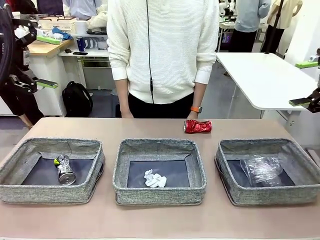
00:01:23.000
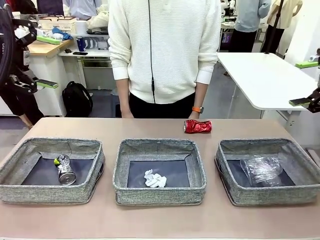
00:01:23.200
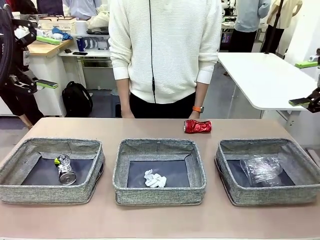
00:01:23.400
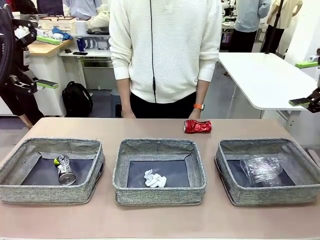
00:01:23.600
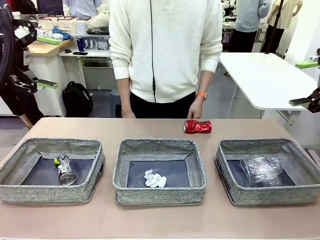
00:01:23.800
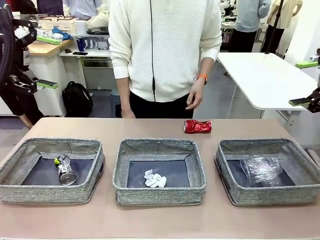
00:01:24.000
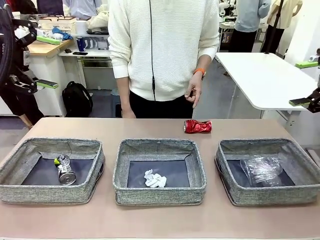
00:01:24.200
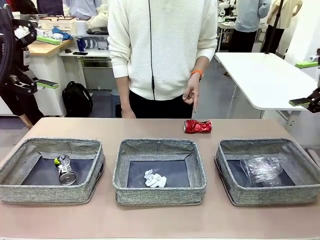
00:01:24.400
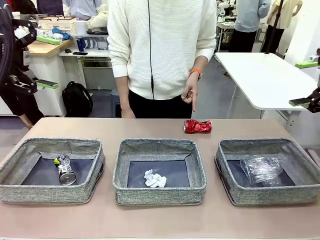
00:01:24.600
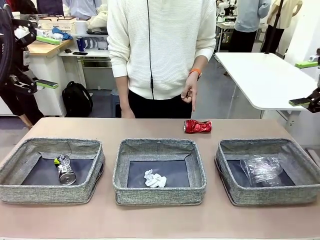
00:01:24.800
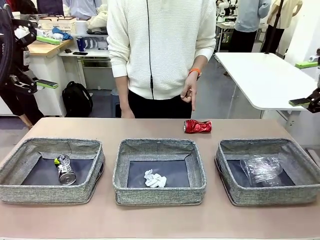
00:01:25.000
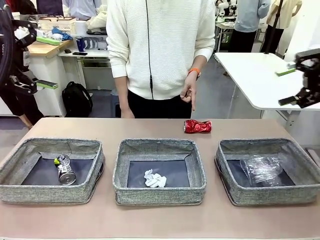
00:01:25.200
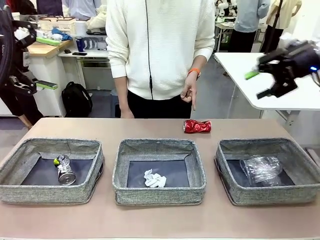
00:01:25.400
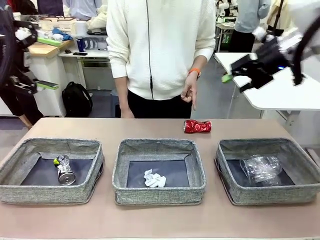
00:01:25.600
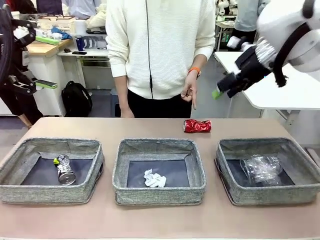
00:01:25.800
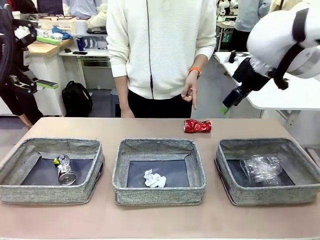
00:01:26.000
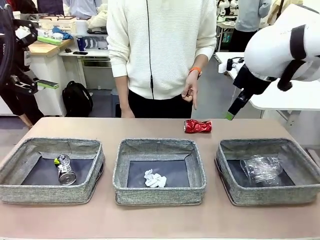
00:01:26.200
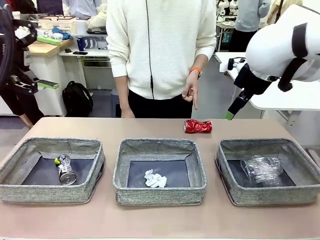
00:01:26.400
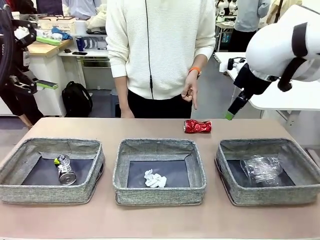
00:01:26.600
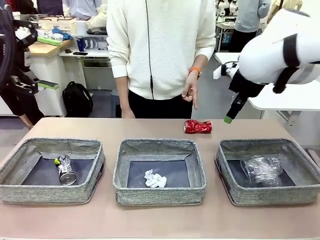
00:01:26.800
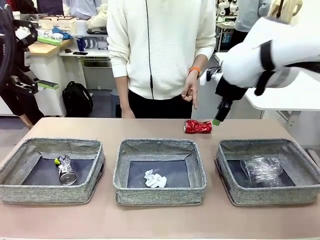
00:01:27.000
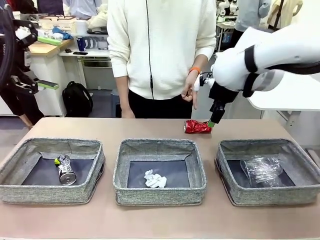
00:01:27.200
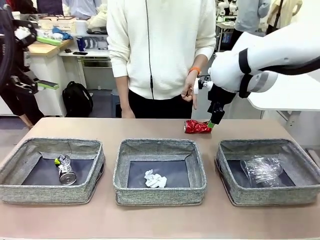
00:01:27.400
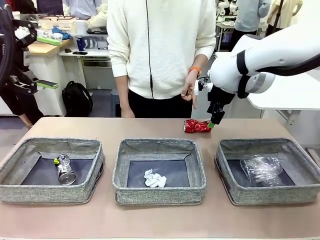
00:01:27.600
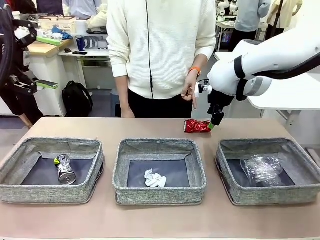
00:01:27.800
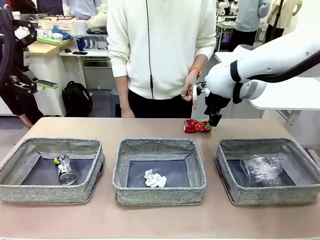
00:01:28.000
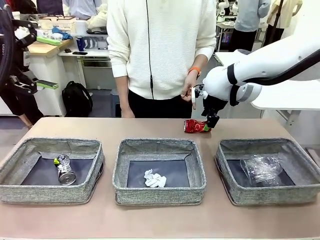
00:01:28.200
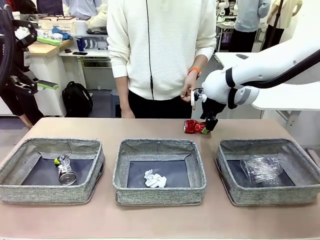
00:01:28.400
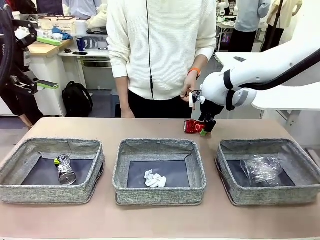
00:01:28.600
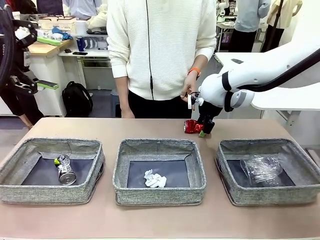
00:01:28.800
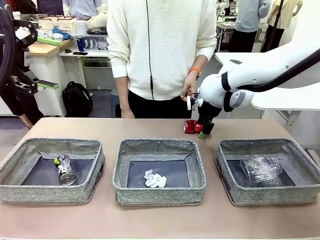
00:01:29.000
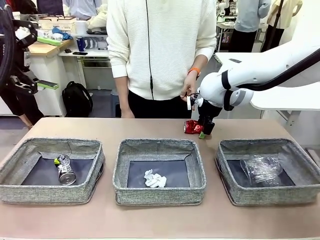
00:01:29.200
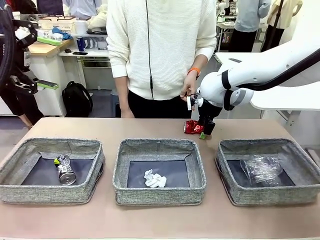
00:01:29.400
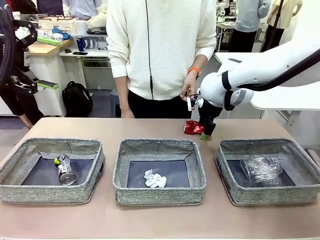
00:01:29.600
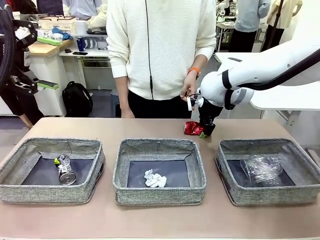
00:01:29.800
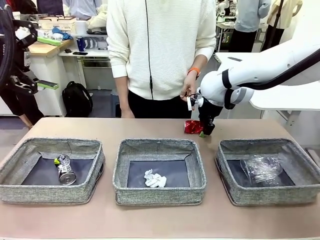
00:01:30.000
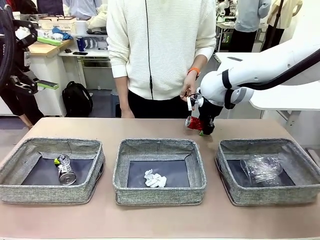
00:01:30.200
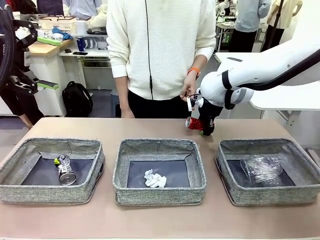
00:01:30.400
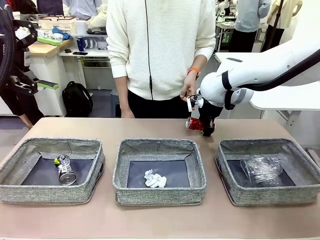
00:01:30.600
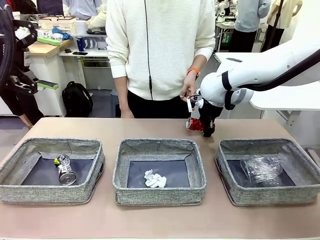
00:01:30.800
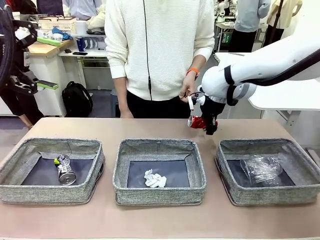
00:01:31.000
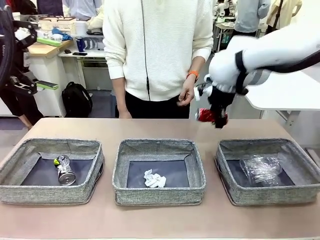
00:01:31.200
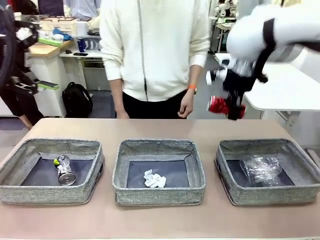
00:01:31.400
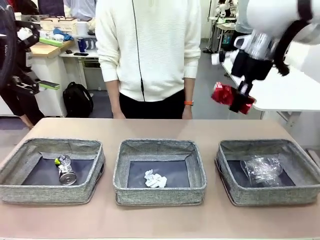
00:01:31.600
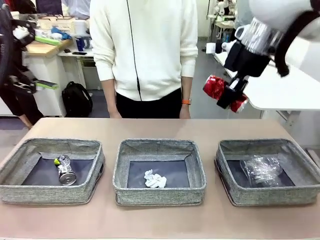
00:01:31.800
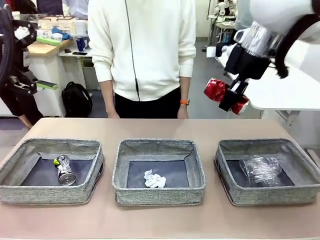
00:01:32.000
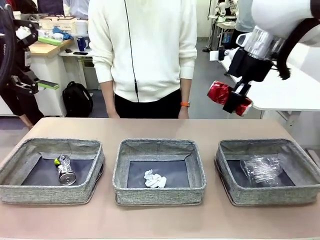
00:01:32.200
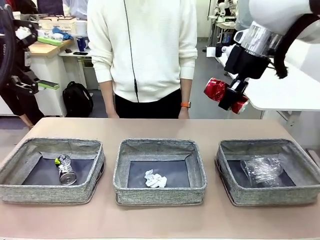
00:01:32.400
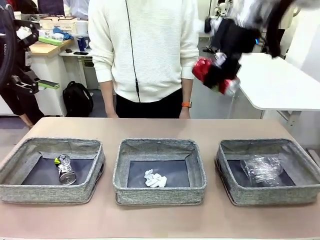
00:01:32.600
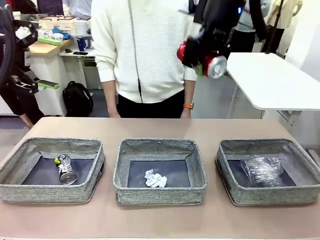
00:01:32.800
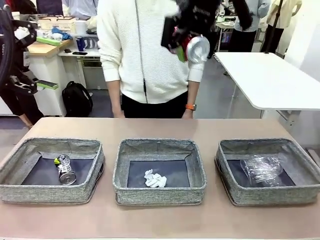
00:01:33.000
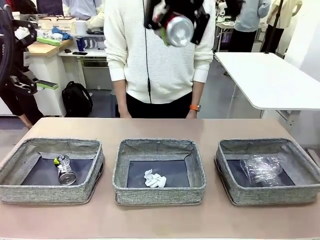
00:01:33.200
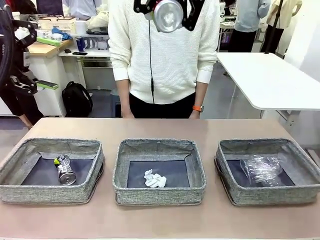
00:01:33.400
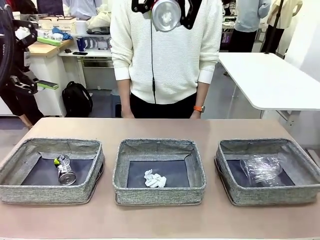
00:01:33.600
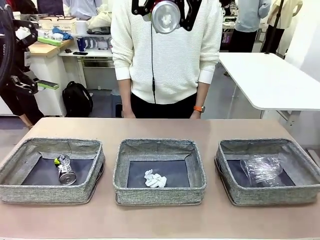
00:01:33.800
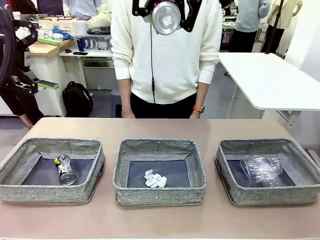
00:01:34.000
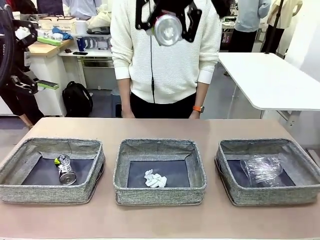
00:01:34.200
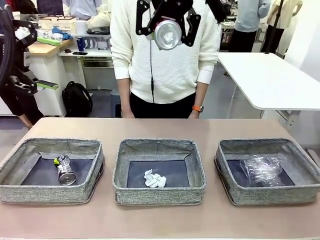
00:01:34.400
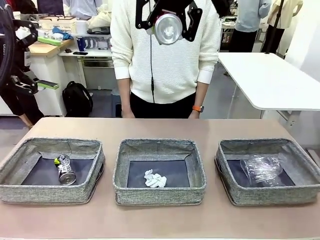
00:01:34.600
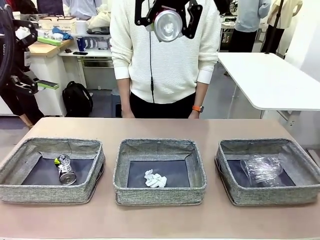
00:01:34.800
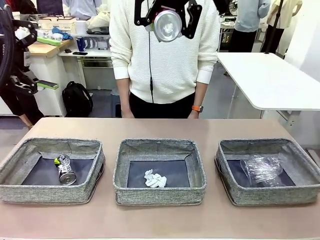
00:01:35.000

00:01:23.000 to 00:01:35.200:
Task: Sort the waste into the appropriate baskets.
Robot: Pick up the waste item pointed out by the person.
Person: Points to one piece of trash on the table.

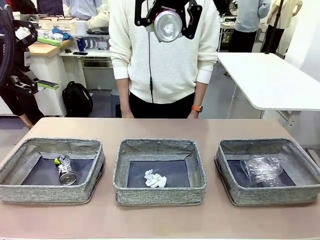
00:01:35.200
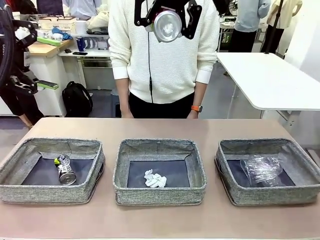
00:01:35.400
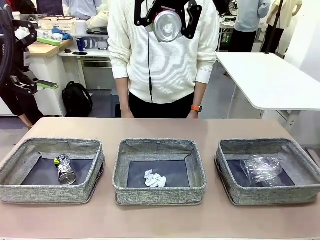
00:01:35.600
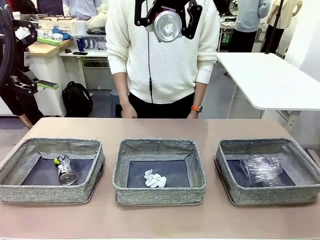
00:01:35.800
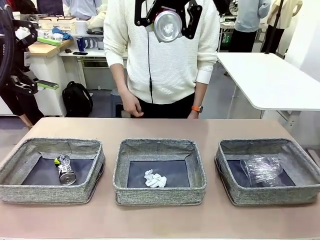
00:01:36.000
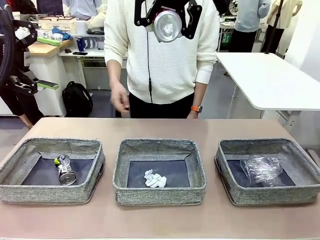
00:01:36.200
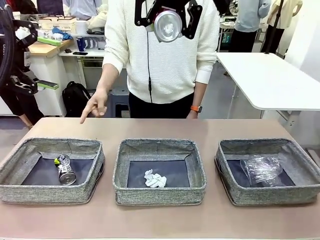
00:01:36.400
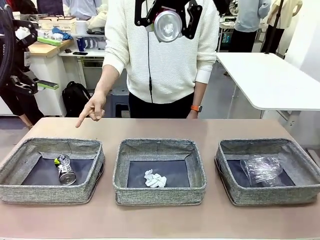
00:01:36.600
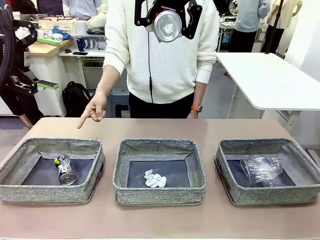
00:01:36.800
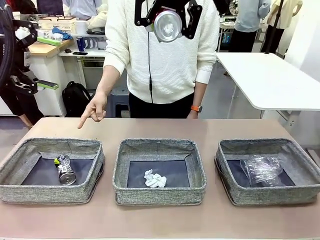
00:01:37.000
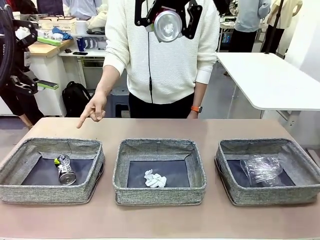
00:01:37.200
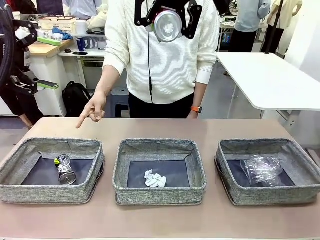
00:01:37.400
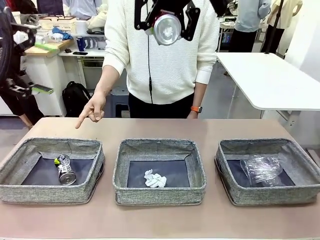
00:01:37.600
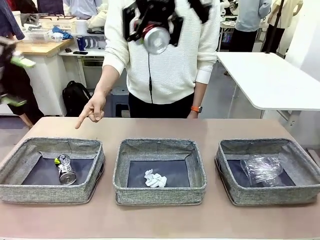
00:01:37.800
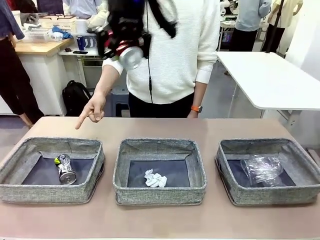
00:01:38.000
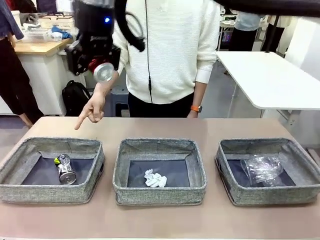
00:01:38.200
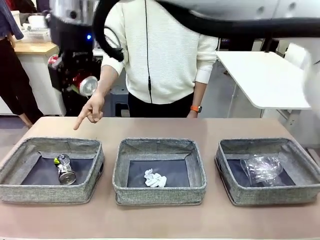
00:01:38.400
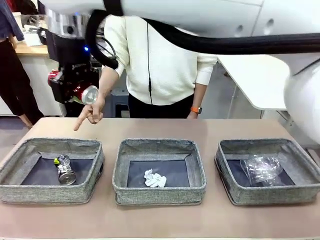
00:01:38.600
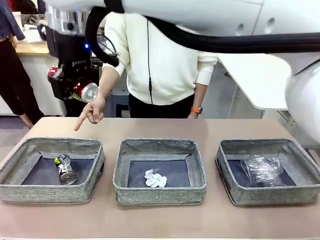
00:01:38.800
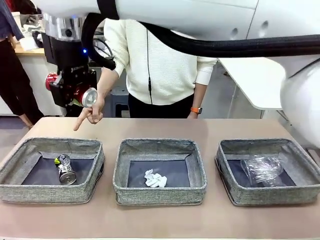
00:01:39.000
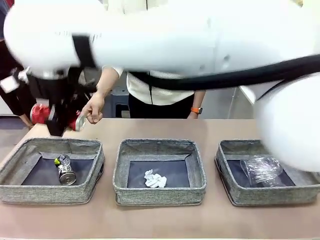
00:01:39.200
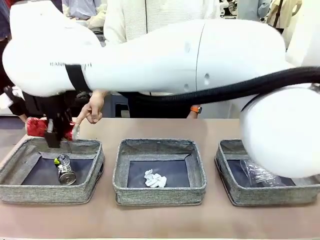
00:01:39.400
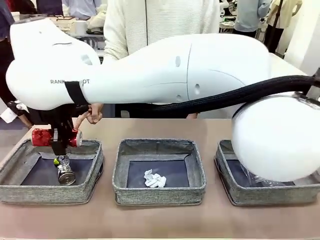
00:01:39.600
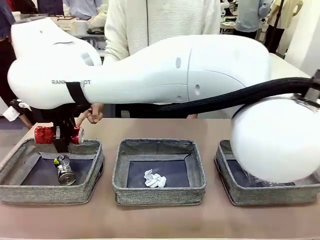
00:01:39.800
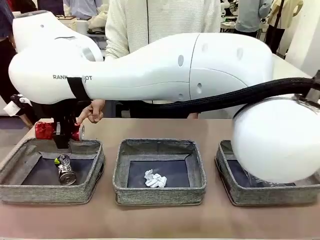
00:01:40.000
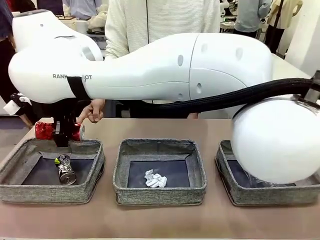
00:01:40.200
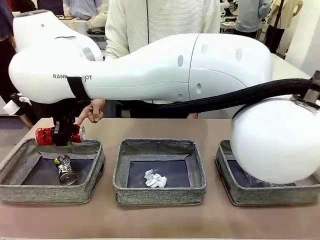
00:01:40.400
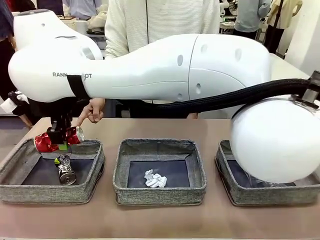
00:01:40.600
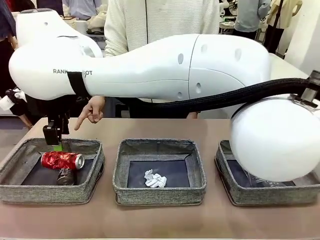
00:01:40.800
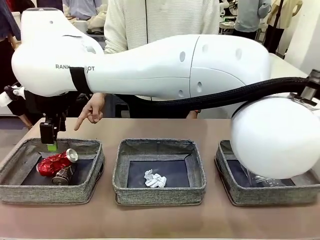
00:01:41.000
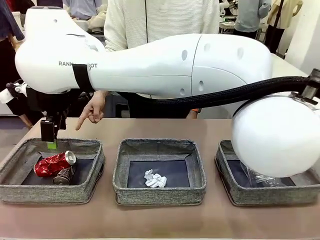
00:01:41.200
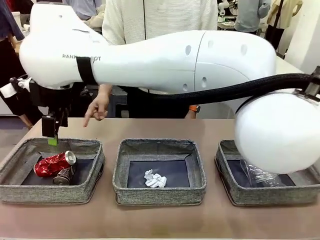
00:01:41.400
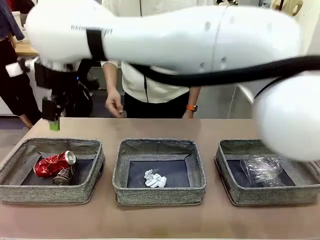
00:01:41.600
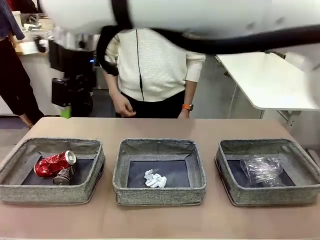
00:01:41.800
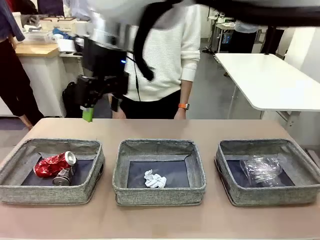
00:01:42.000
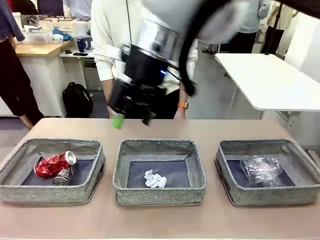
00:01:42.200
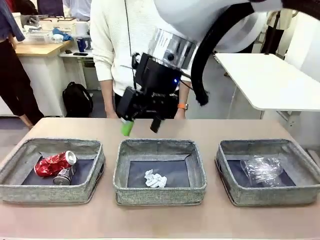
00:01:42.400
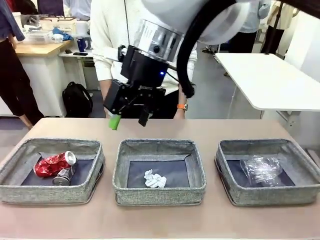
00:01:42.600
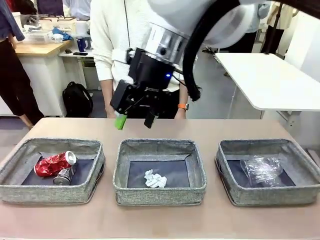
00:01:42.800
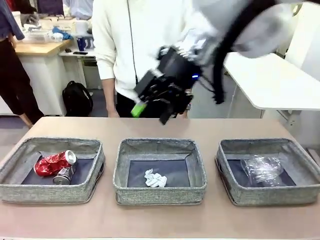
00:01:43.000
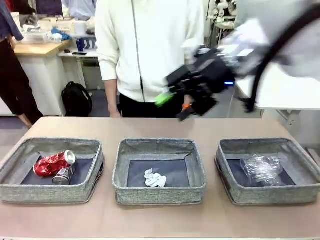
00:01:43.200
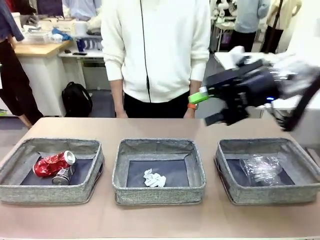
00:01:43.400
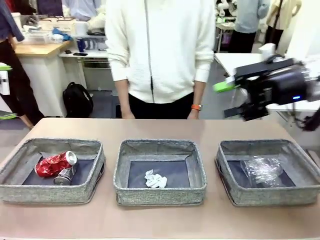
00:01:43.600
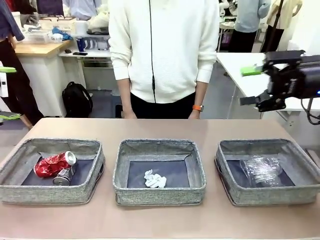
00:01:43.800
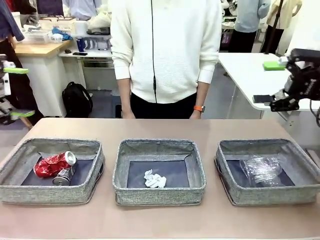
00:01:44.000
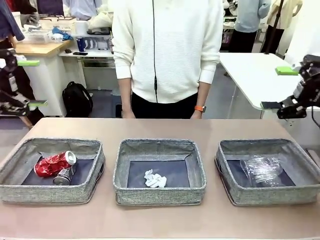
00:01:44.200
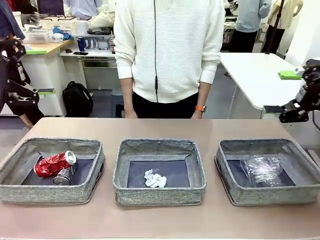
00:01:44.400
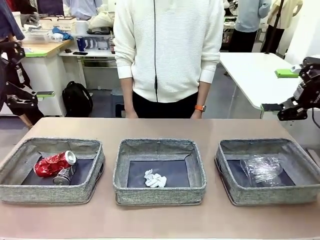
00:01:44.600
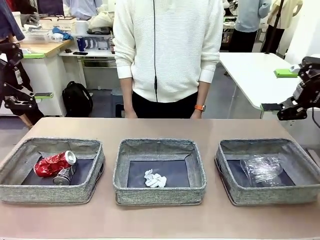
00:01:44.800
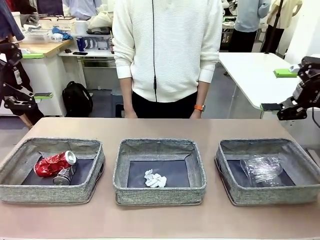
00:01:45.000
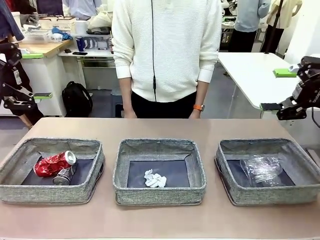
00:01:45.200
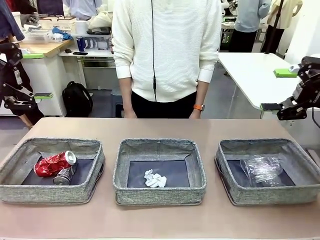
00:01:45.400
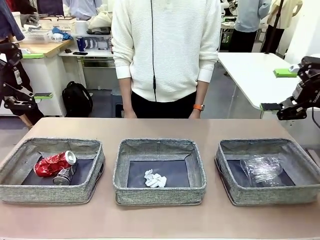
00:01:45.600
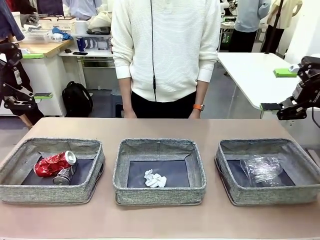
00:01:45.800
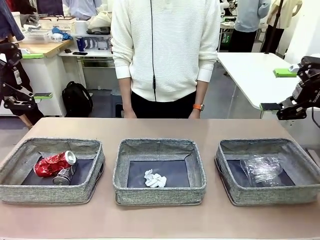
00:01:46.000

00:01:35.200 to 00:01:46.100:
Robot: Place the picked waste into the Fabric basket indicated by the person.
Person: Instructs the robot to place the picked-up trash into the appropriate organizing basket.
